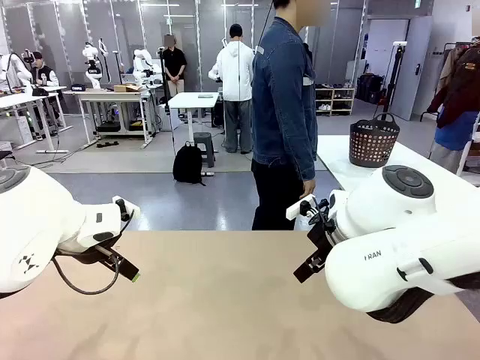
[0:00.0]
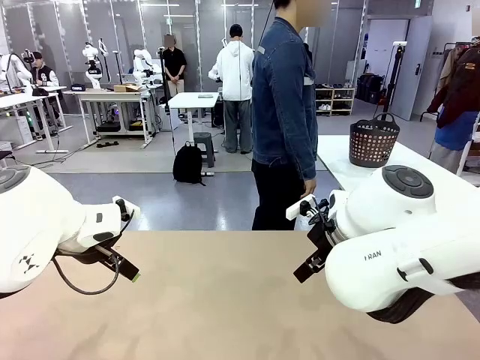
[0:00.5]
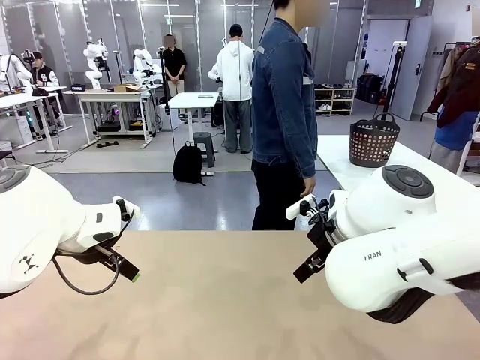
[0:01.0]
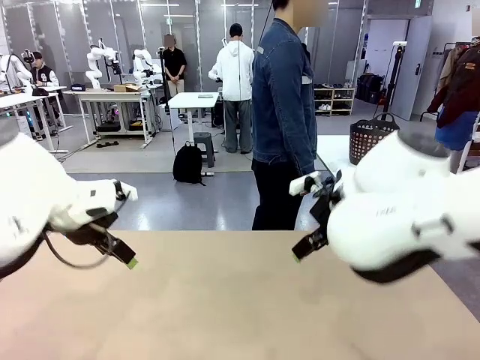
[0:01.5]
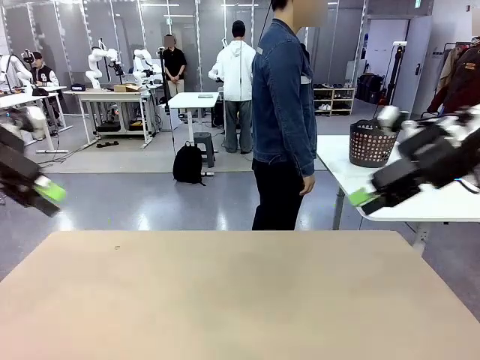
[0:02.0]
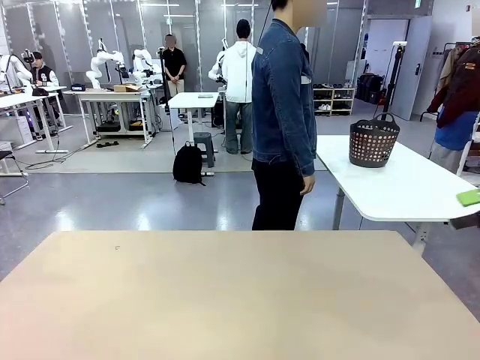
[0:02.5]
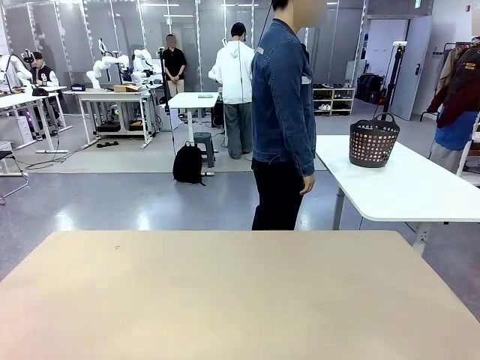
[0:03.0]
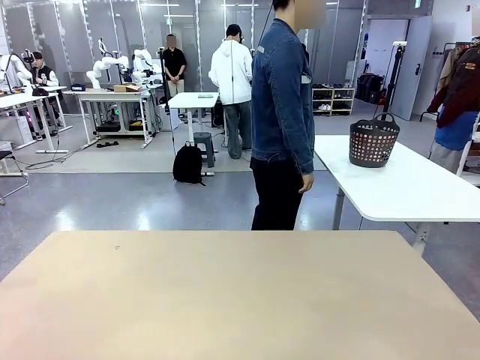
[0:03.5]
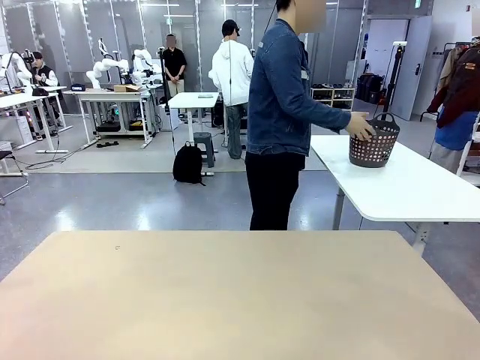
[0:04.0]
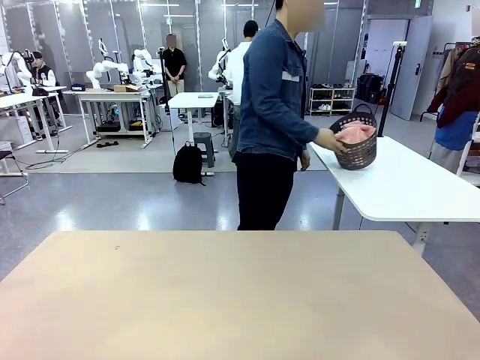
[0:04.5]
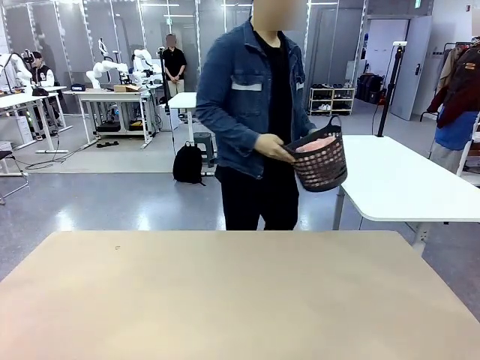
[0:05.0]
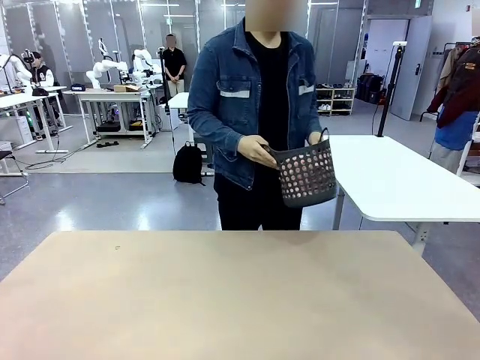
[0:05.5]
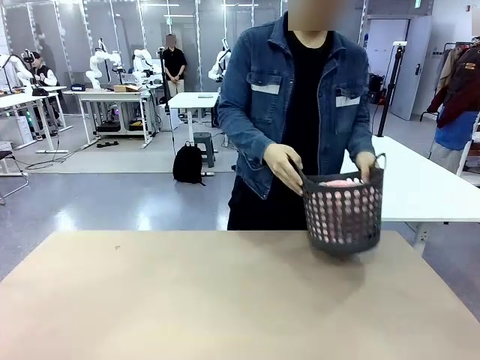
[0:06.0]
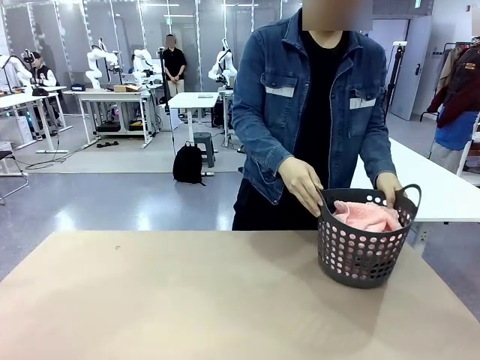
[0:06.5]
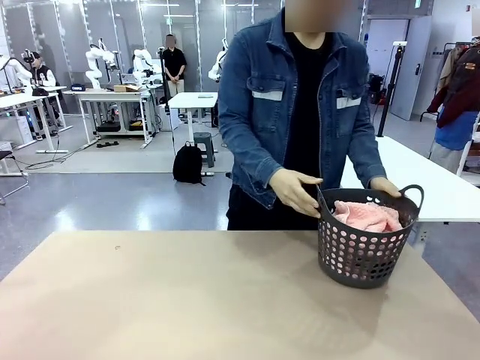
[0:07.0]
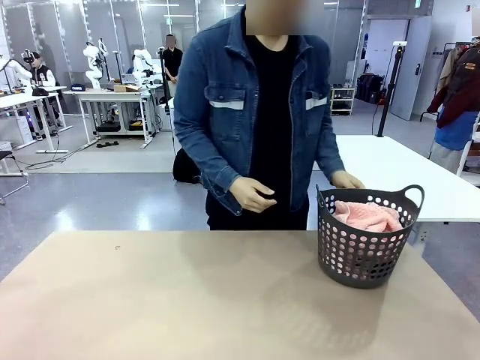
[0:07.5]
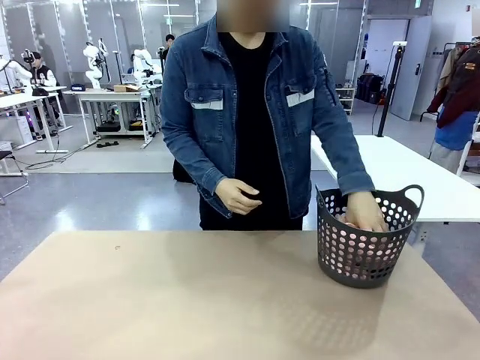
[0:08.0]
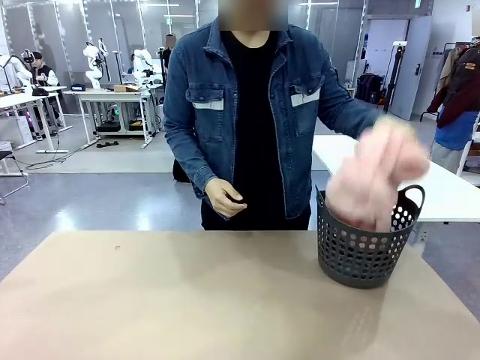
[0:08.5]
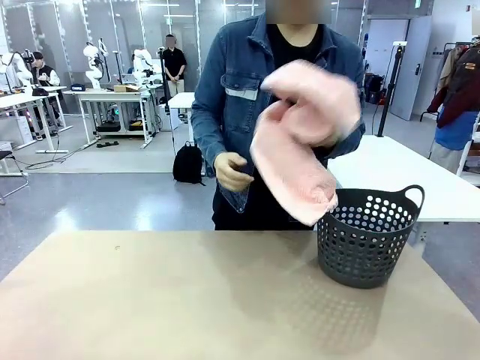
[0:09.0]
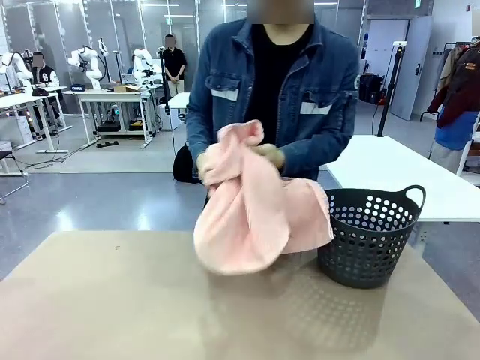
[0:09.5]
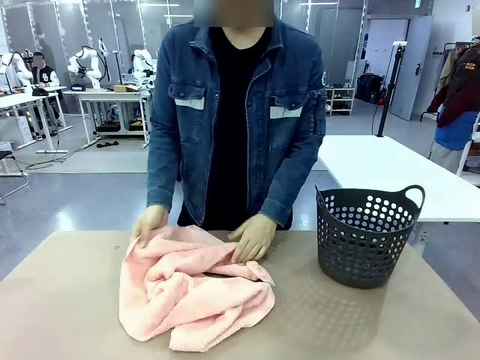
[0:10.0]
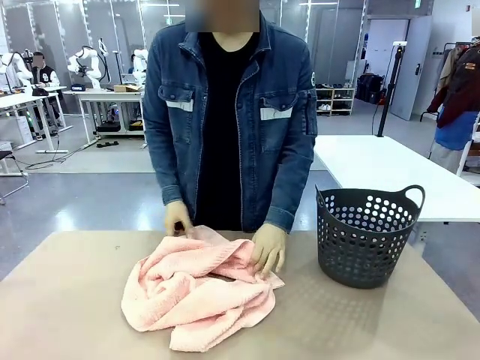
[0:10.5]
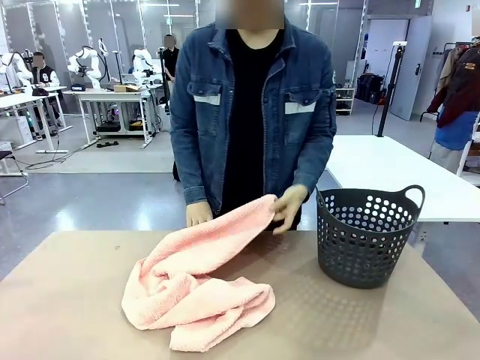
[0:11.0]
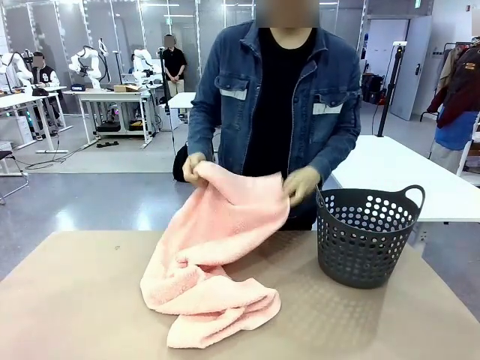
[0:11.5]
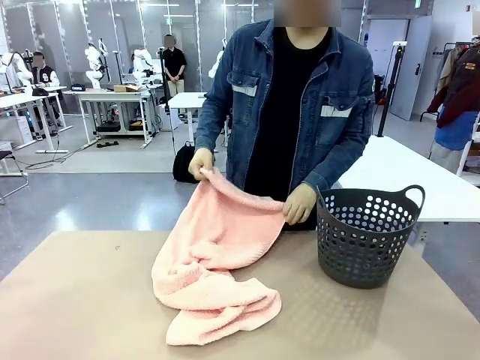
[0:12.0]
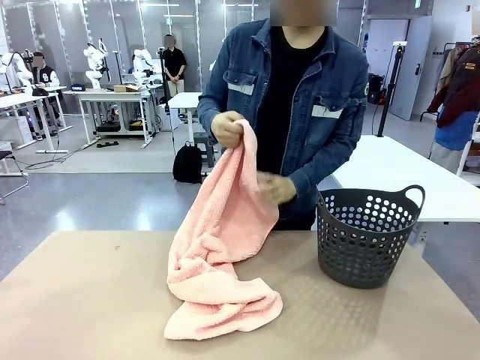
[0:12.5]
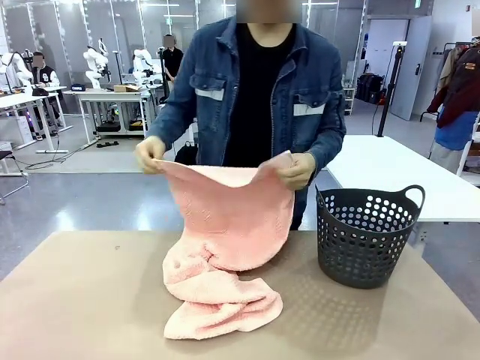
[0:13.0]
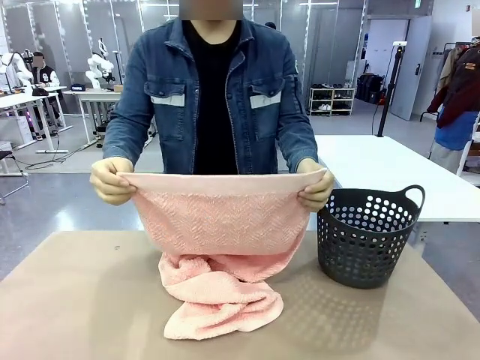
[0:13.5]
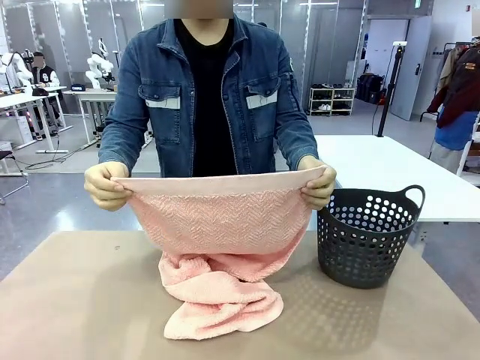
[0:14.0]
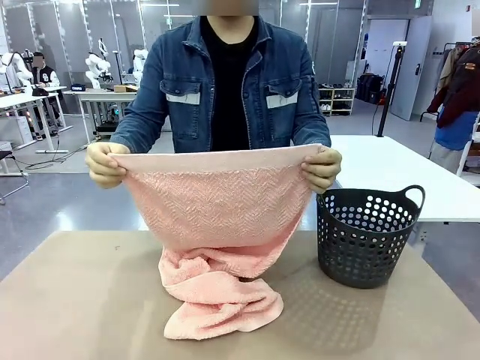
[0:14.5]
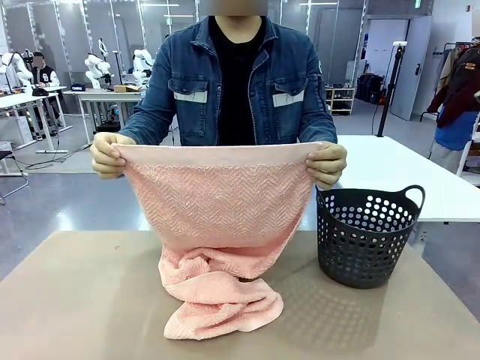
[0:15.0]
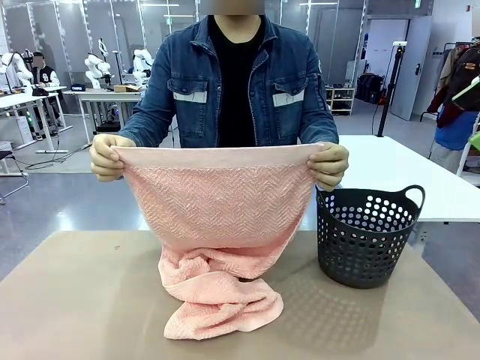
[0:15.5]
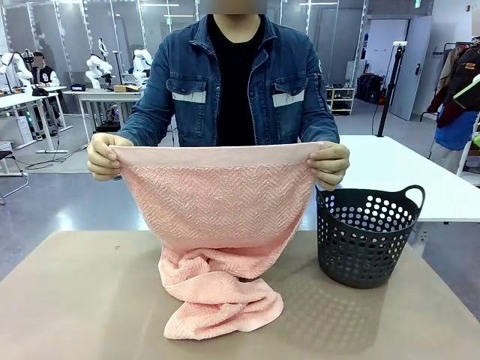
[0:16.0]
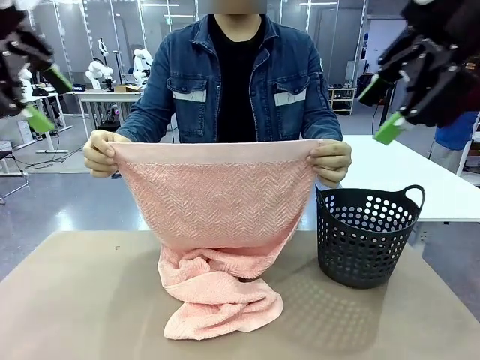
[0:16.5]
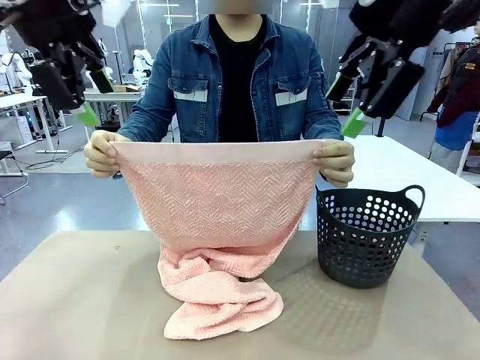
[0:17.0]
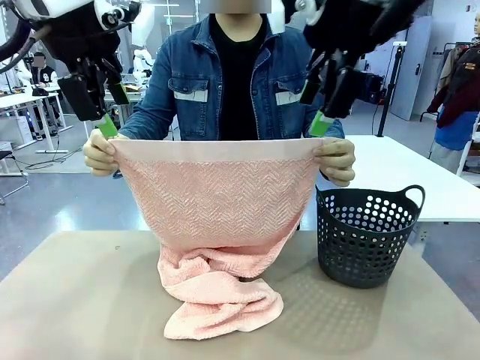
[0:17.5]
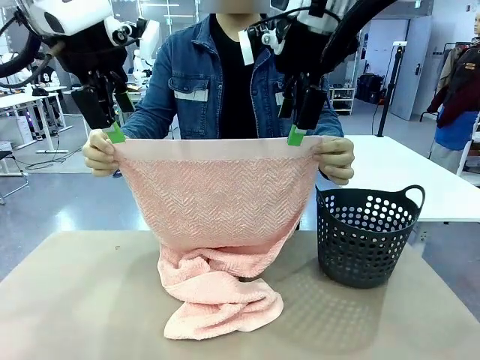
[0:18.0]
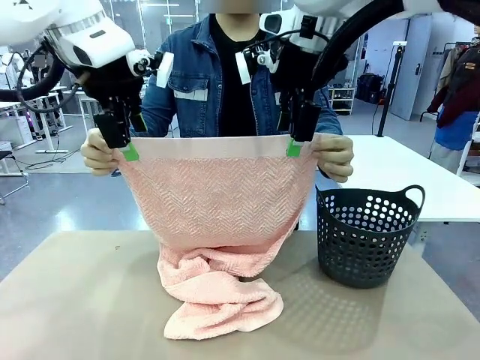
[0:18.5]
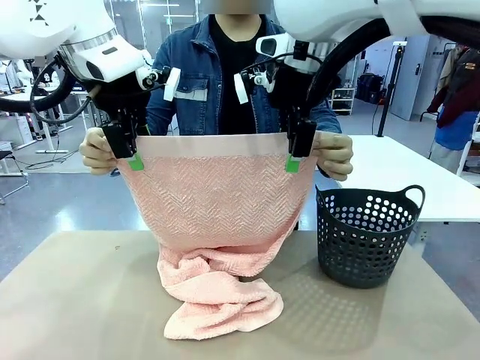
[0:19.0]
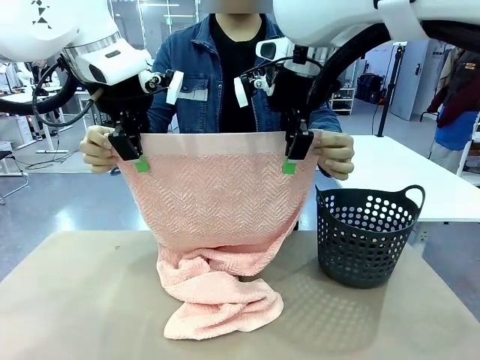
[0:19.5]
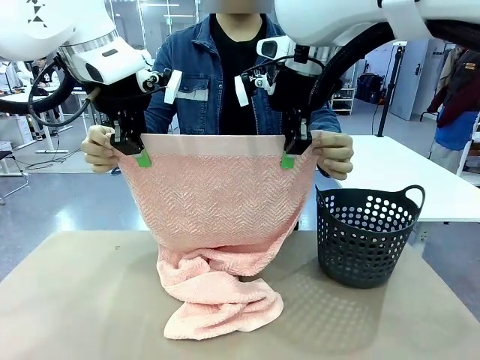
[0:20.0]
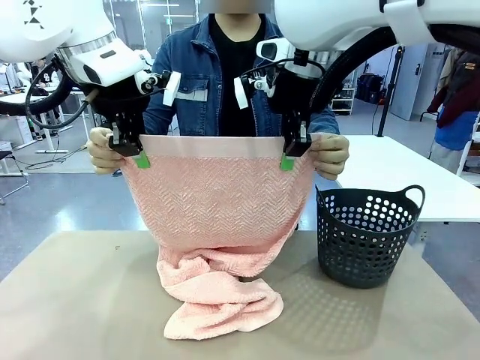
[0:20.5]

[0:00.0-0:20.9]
Task: Fold the towel.
Robot: Grab the top end of the 100 cm Hotel Towel extended by the human.
Person: Pick up the laundry basket, place it on the left side of the robot table, then take out a towel and hand it to the robot while holding both corners of one end.

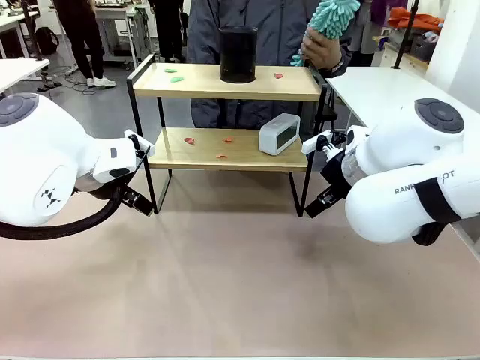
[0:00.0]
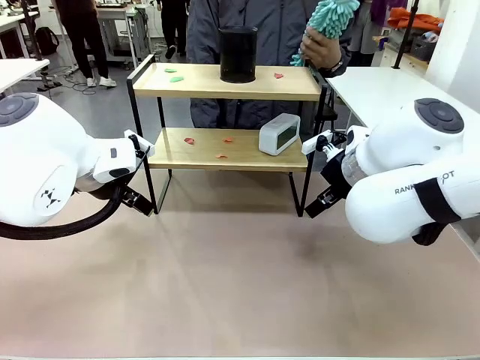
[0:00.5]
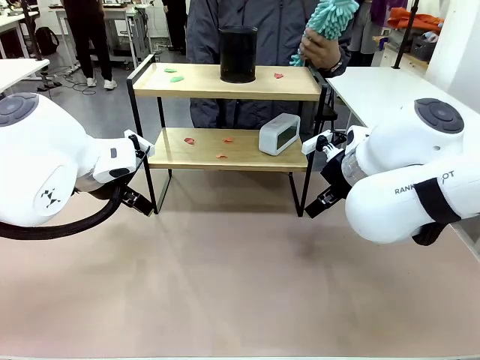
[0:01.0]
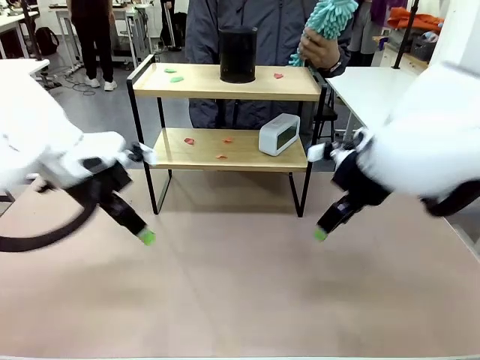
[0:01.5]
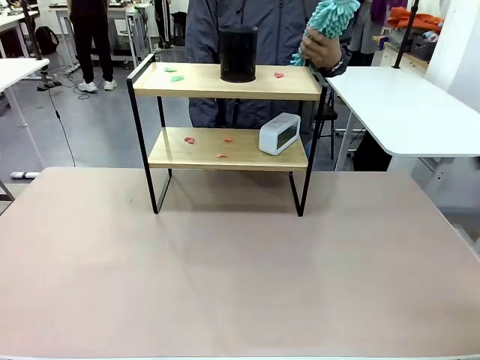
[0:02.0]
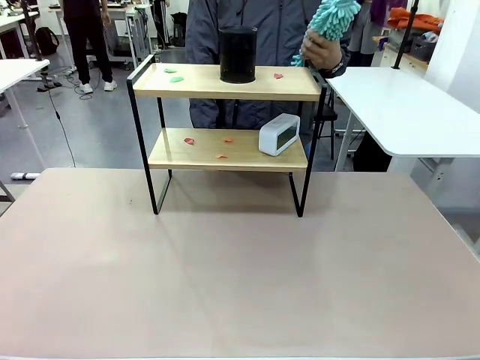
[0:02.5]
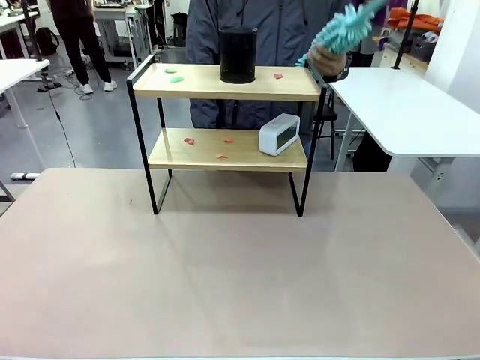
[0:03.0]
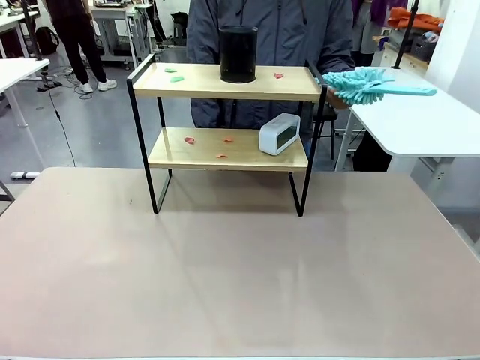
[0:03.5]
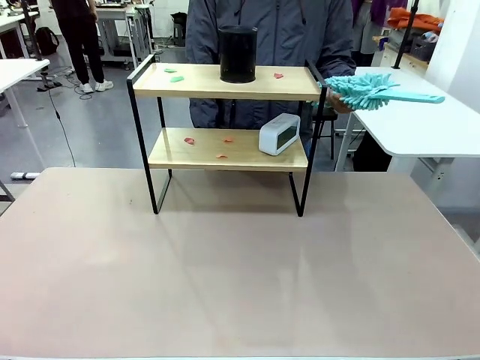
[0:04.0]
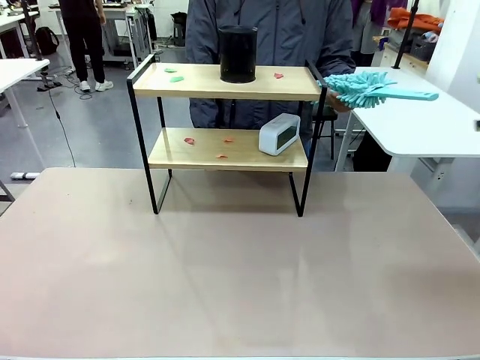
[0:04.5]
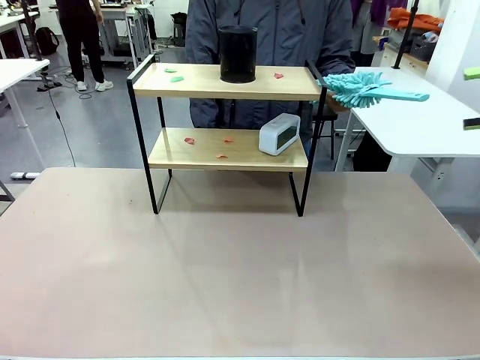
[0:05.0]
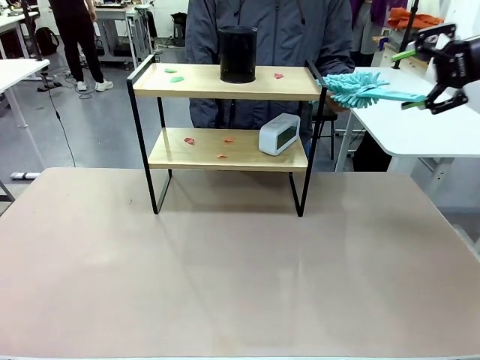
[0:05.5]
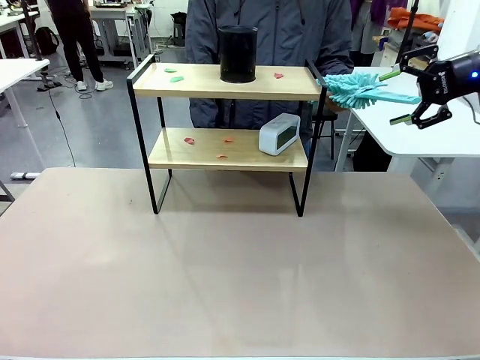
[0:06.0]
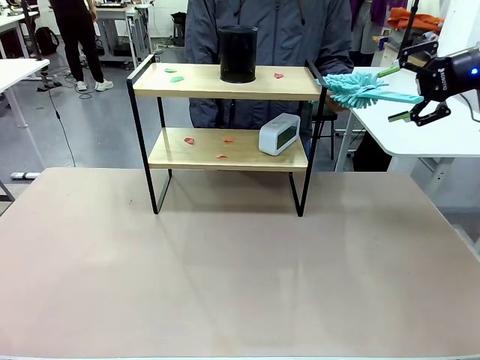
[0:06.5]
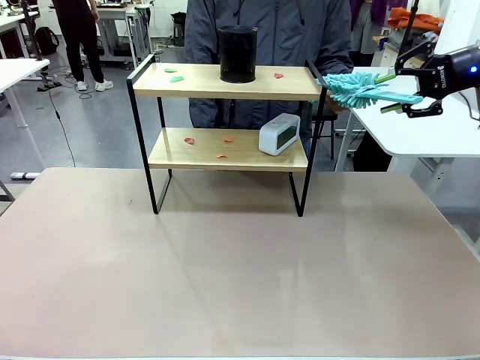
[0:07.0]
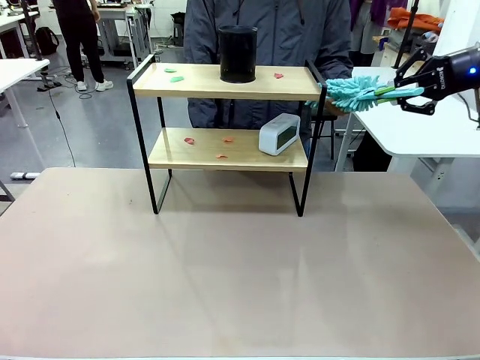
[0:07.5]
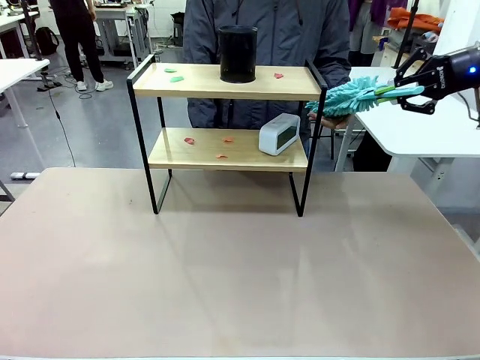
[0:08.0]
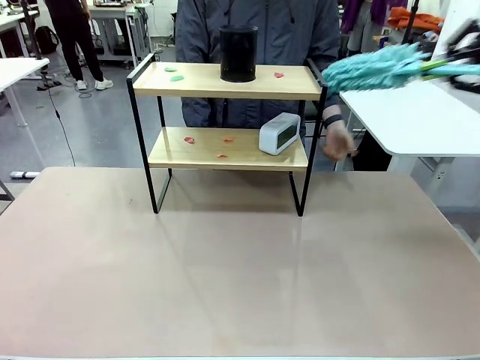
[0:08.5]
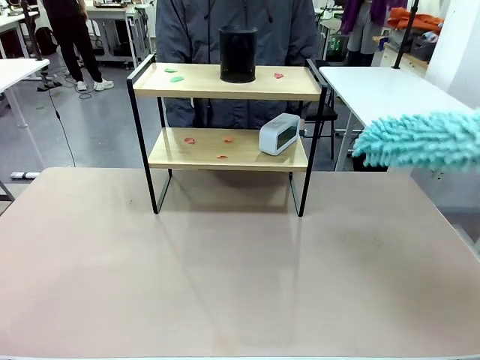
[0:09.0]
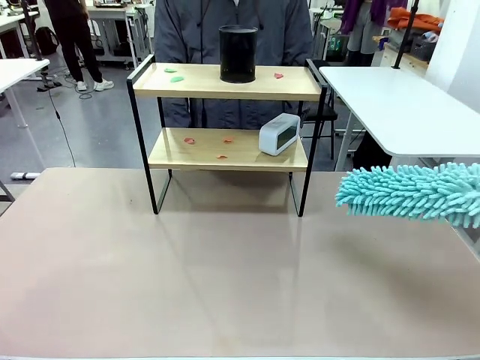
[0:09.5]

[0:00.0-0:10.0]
Task: Clean the shelf.
Robot: Pick up the Duster from the human.
Person: Hand the Duster to the robot.
